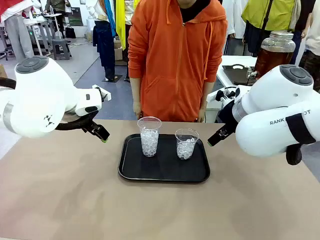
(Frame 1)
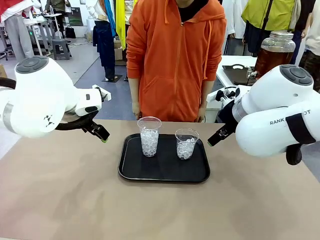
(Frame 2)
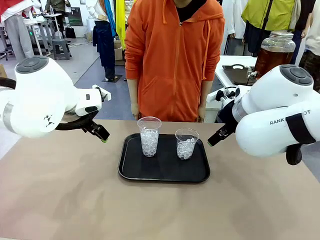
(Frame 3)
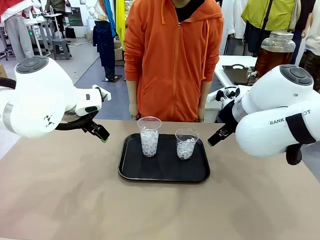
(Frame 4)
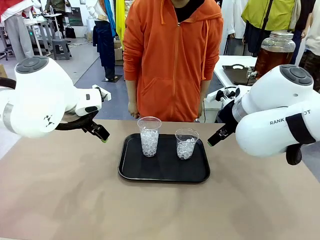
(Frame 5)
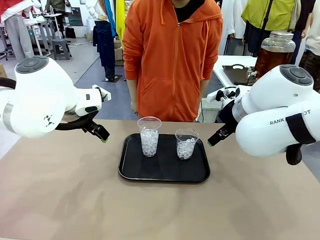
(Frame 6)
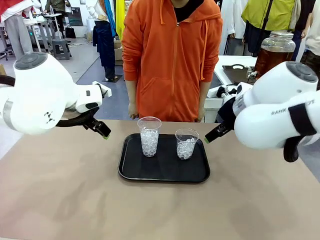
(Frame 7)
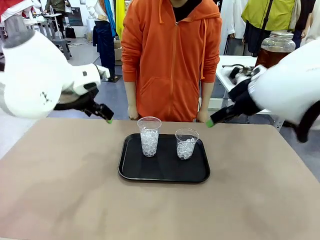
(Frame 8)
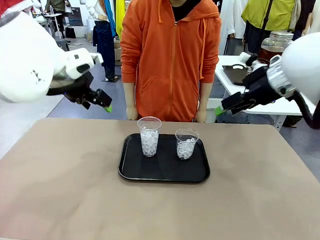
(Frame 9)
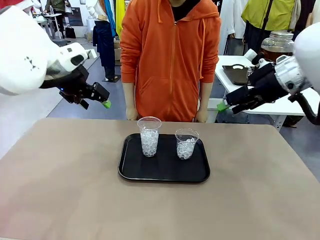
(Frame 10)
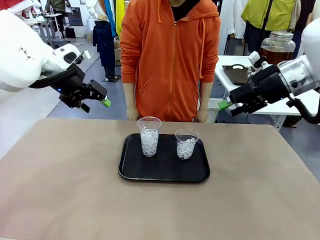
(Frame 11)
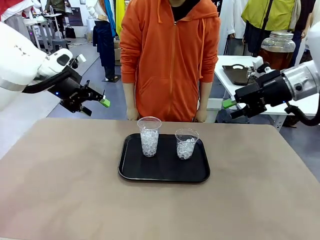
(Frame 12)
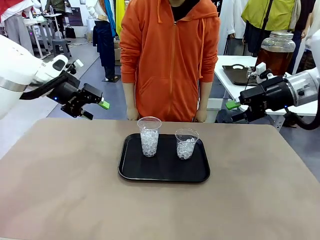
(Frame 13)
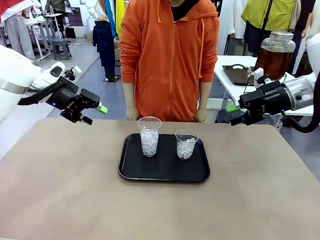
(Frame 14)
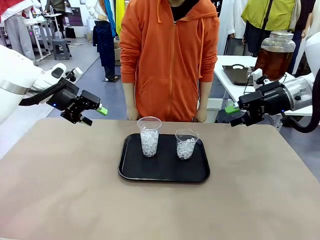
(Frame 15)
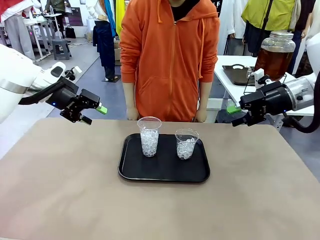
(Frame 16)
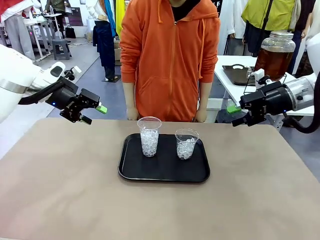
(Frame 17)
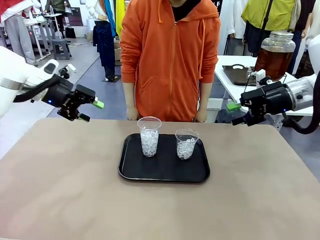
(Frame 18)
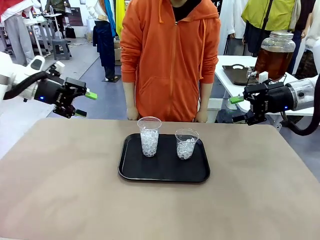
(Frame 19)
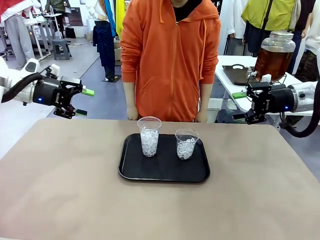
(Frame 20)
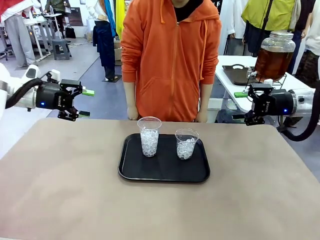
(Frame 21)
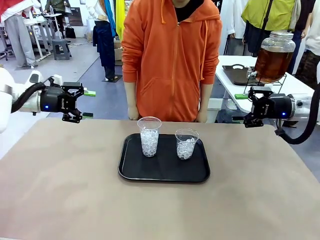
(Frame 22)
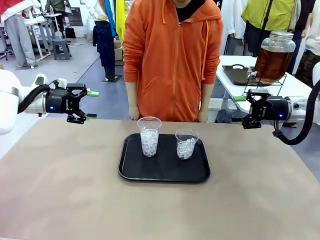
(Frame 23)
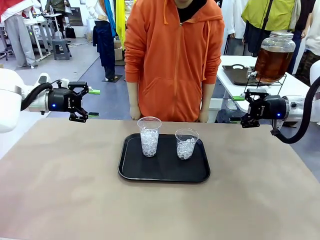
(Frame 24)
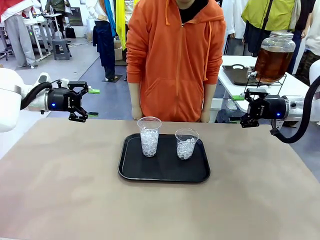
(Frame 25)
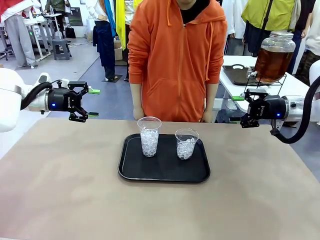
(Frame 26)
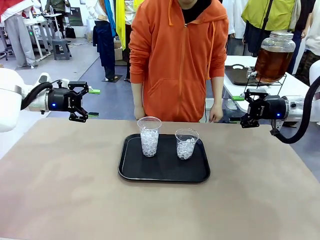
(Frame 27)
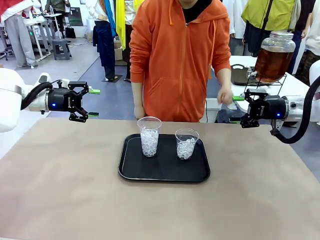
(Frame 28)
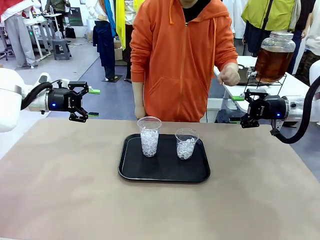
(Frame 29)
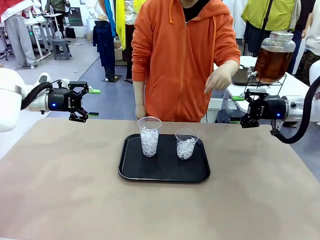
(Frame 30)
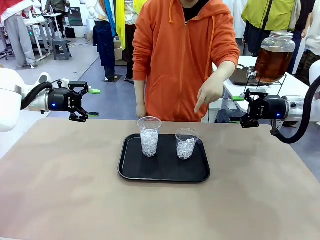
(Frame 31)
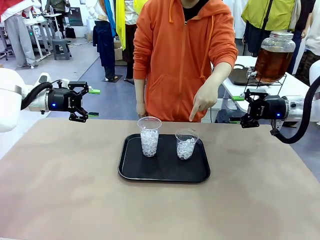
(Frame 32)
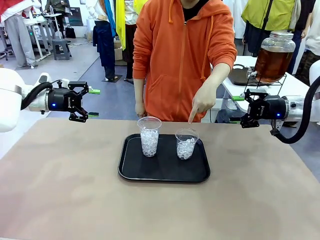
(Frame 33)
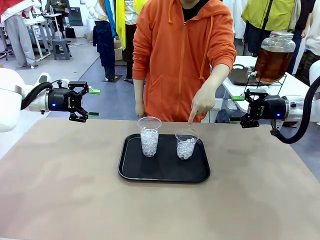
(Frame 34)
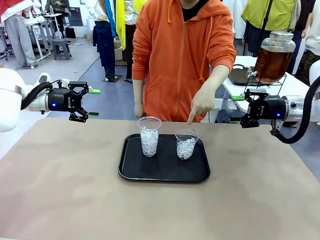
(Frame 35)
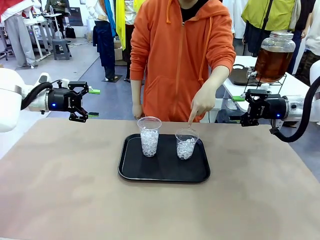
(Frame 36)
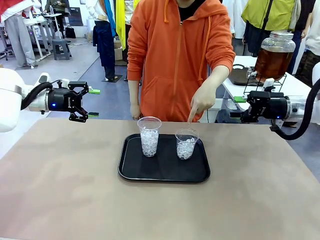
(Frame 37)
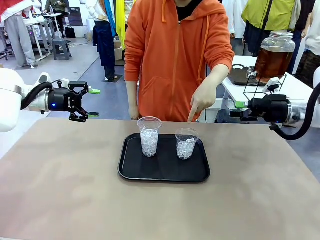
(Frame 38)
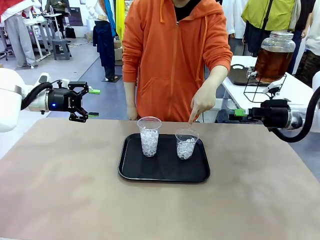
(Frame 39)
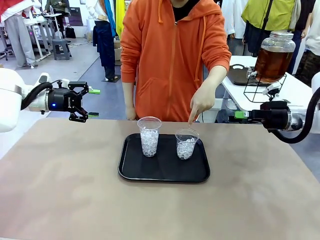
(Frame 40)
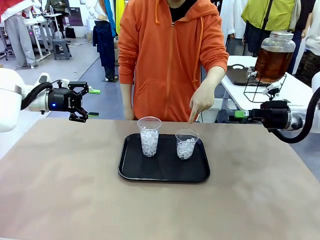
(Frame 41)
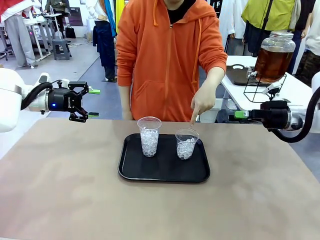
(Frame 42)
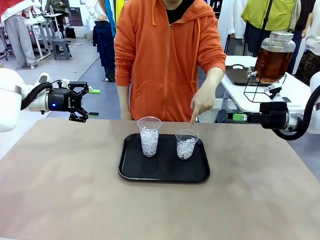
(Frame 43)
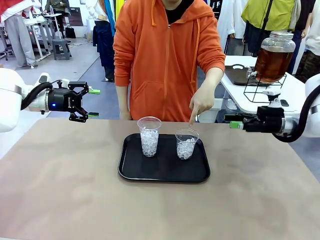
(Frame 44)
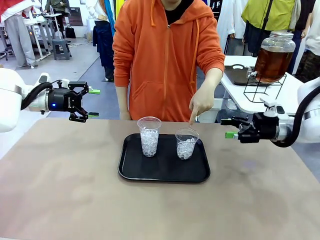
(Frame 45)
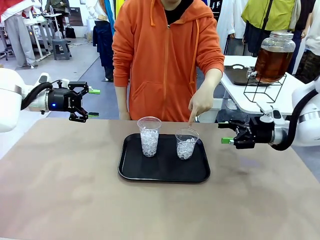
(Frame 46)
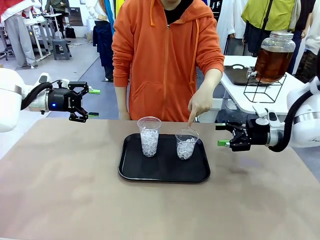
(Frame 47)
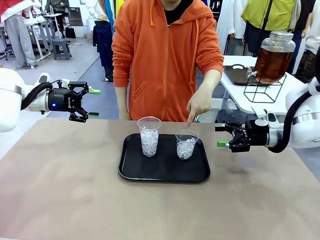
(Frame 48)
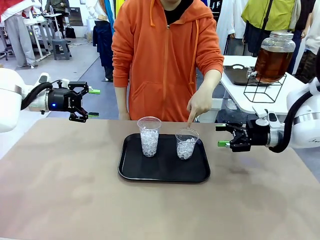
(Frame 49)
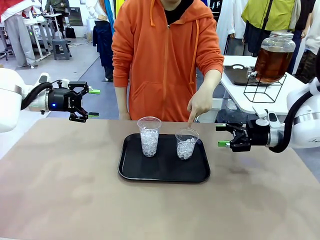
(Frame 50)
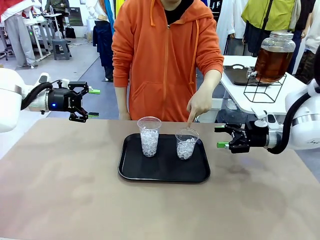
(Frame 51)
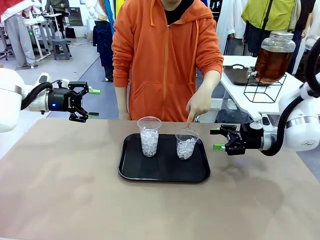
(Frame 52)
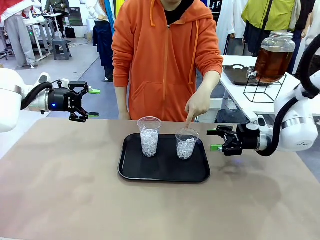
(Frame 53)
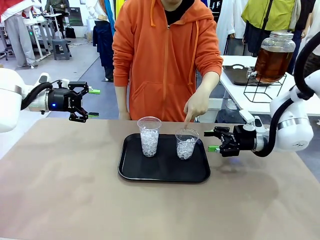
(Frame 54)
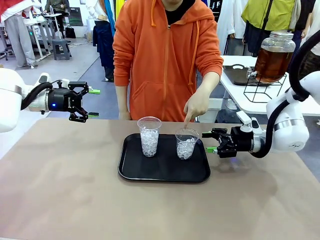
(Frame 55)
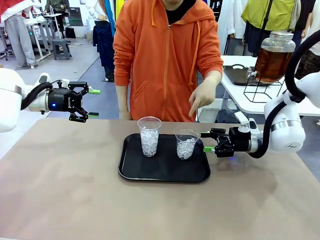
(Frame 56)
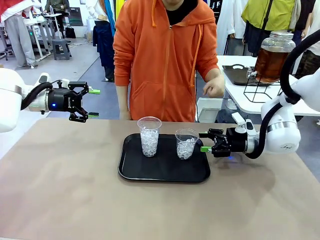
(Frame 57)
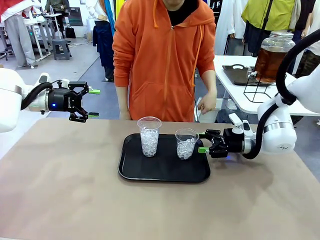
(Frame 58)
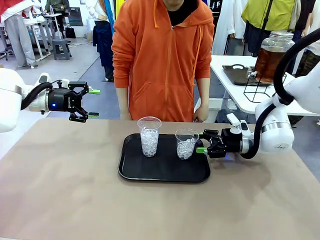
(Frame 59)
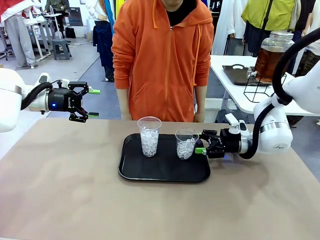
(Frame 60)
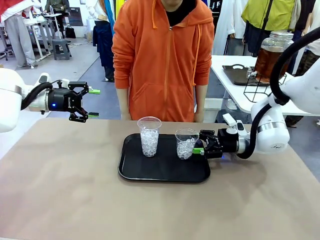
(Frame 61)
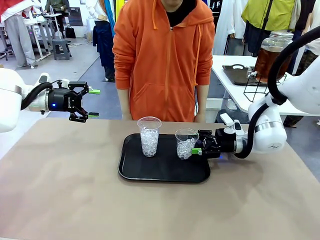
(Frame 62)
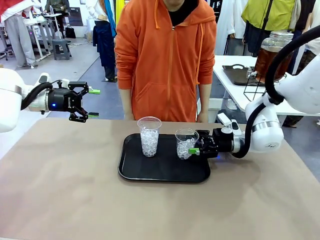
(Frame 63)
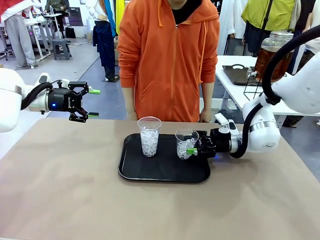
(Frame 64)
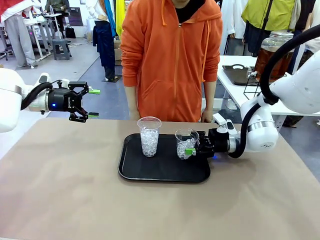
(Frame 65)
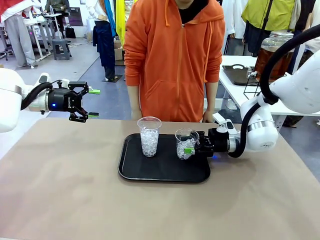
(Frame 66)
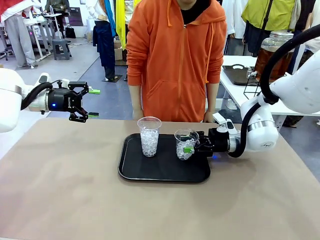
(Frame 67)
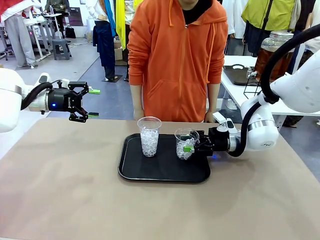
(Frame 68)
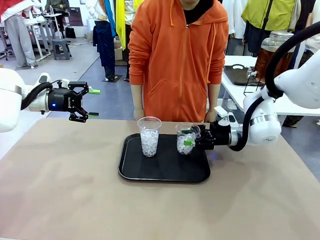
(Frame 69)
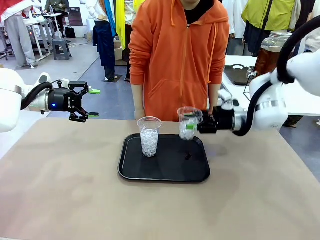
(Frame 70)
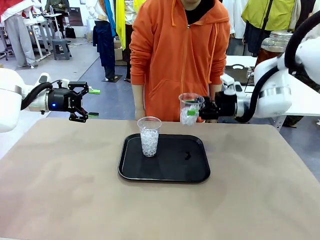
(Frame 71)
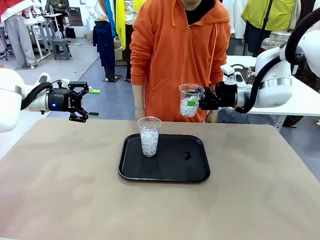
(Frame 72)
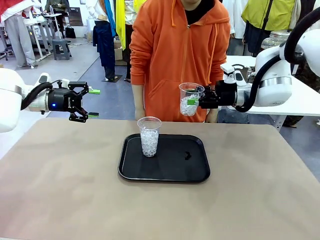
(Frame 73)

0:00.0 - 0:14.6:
Task: Pour the drink into the iced cup.
Robot: Pick up the iced cup indicated by the human and present it to them.
Person: Point to one of the two ice cups. Pick up the cup offered by the robot.

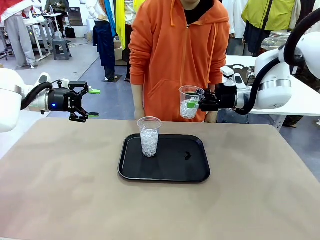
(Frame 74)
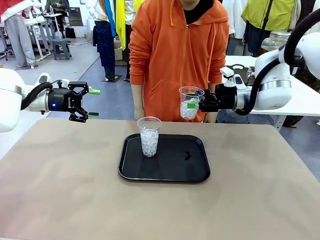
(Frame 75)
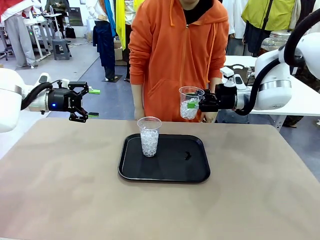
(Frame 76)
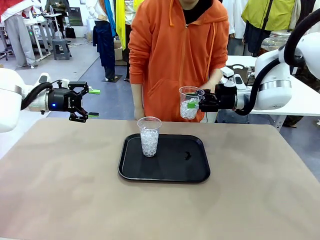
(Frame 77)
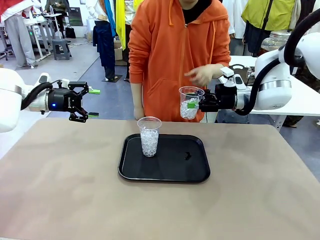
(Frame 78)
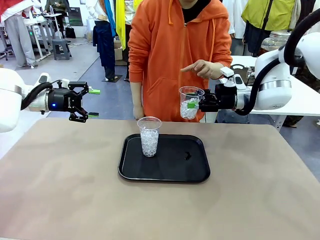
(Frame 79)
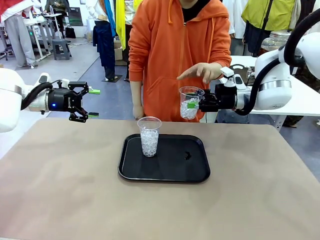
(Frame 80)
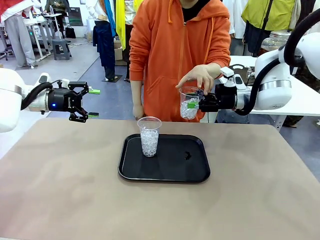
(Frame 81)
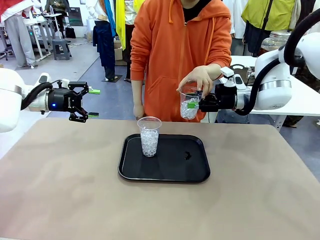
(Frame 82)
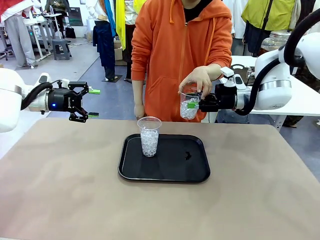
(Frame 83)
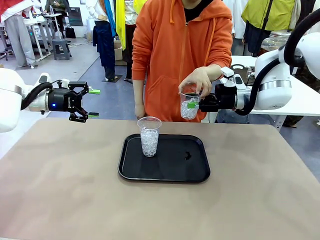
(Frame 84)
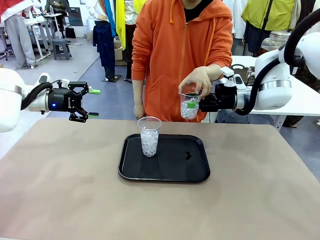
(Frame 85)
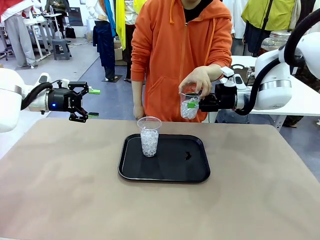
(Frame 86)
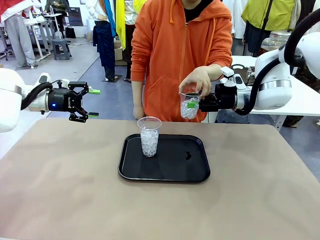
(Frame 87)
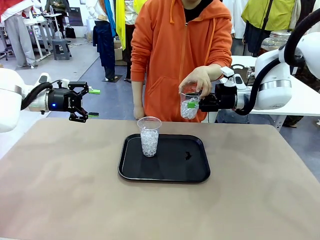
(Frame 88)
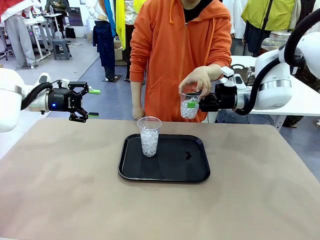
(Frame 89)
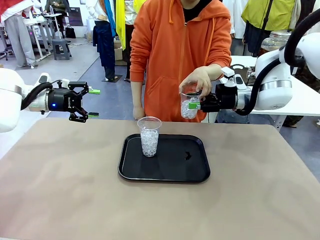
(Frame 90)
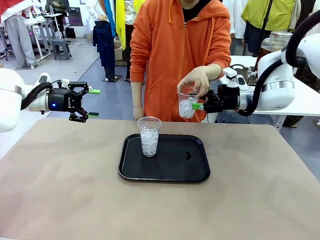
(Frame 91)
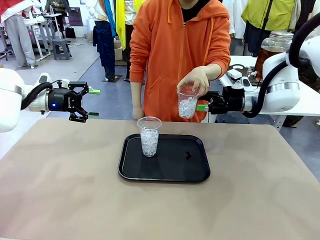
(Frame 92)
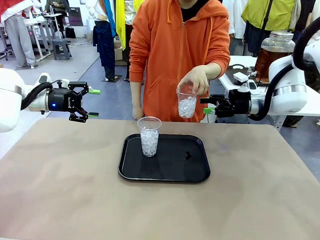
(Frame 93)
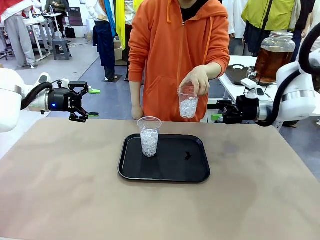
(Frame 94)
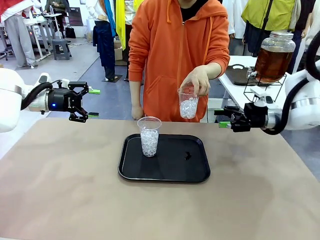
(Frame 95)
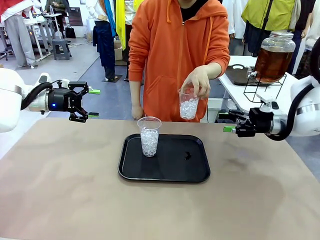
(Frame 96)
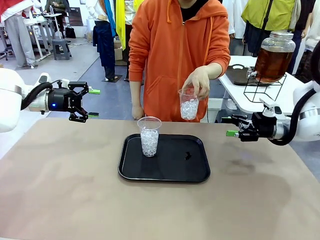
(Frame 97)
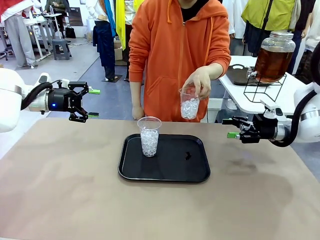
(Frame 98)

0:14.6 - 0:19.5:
Robot: Open the gripper to release the iced cup you were holding.
